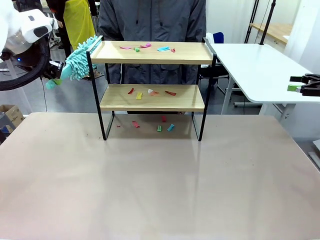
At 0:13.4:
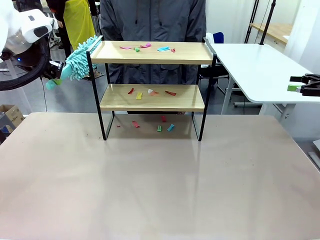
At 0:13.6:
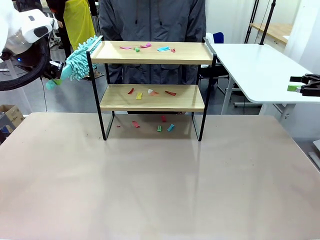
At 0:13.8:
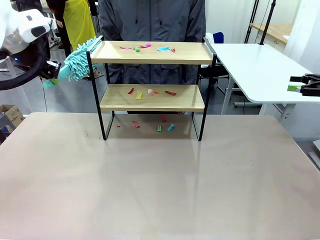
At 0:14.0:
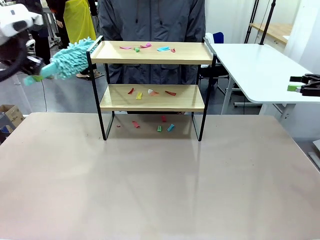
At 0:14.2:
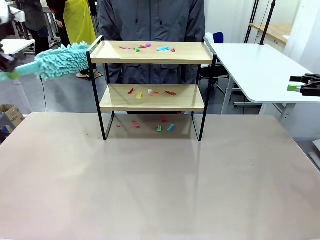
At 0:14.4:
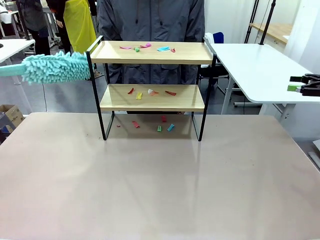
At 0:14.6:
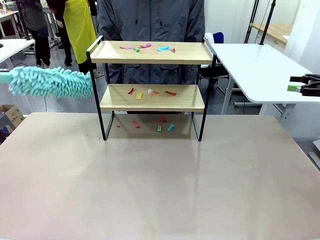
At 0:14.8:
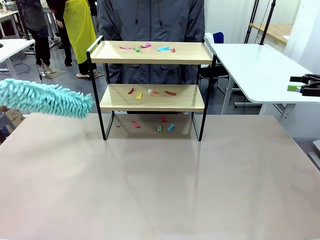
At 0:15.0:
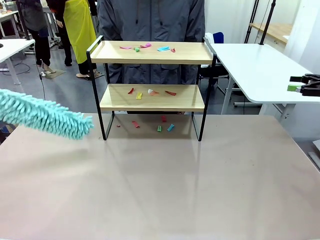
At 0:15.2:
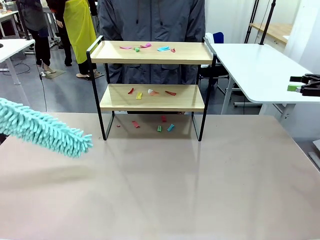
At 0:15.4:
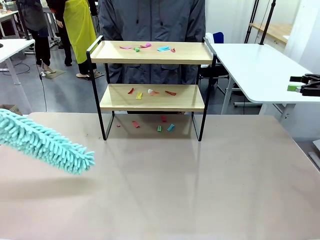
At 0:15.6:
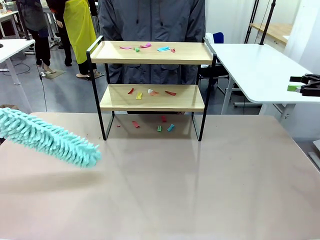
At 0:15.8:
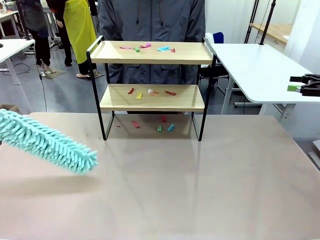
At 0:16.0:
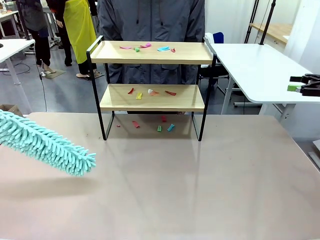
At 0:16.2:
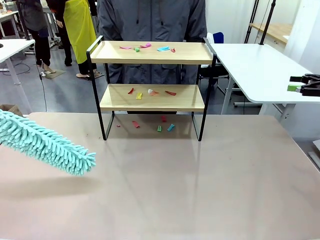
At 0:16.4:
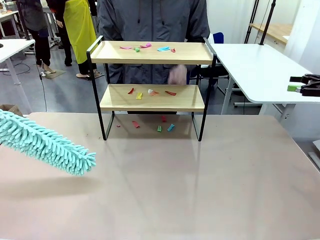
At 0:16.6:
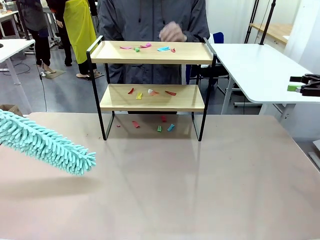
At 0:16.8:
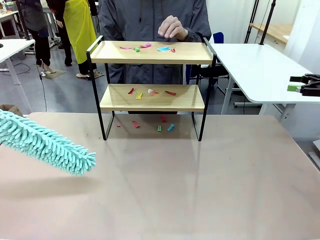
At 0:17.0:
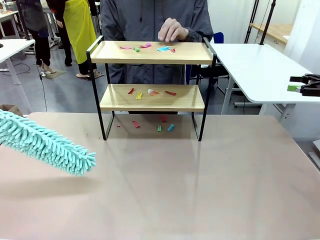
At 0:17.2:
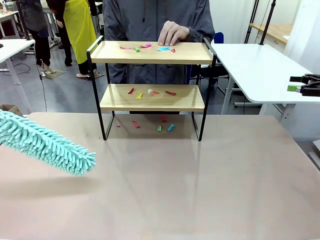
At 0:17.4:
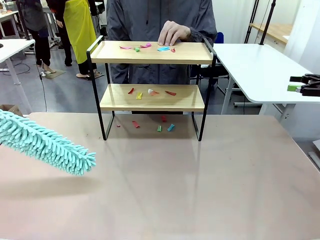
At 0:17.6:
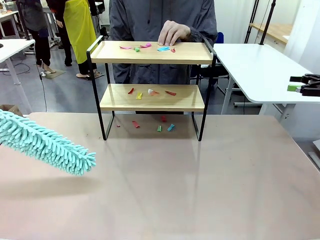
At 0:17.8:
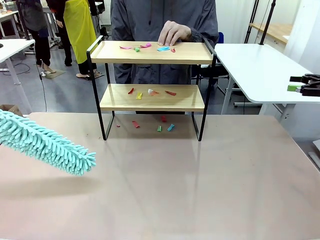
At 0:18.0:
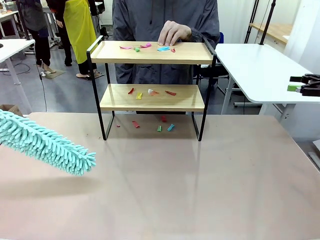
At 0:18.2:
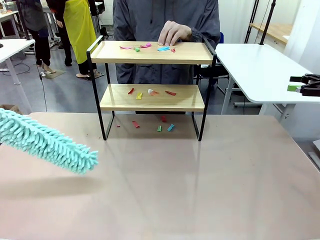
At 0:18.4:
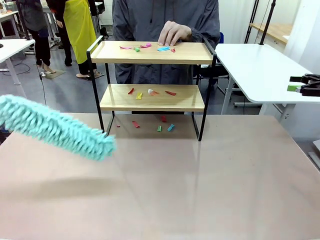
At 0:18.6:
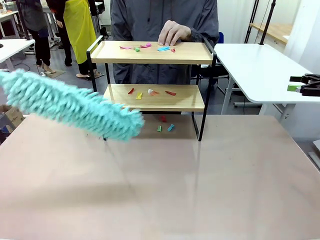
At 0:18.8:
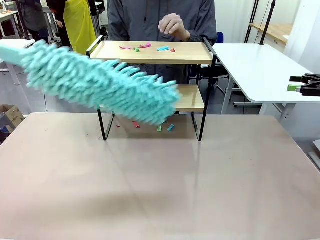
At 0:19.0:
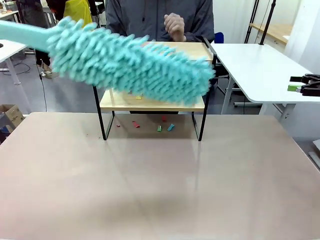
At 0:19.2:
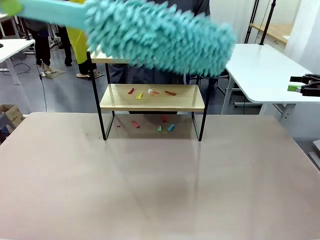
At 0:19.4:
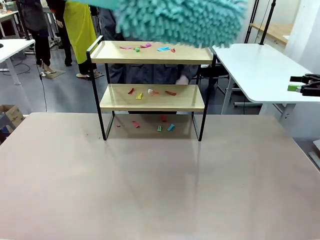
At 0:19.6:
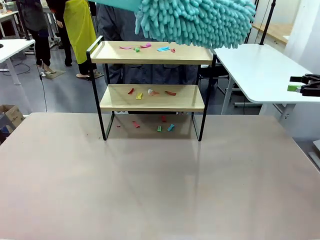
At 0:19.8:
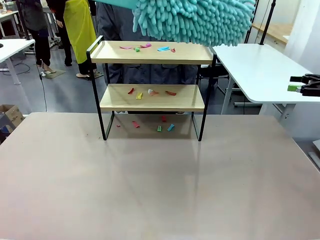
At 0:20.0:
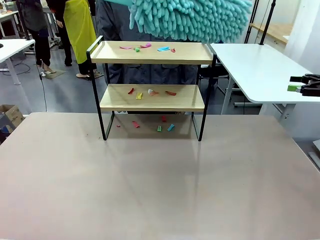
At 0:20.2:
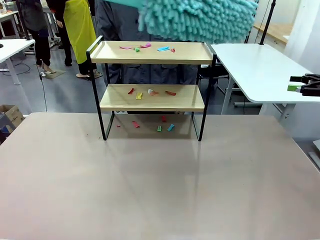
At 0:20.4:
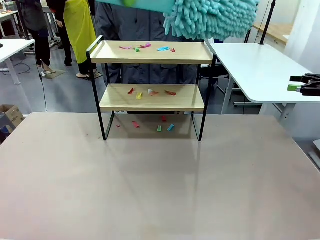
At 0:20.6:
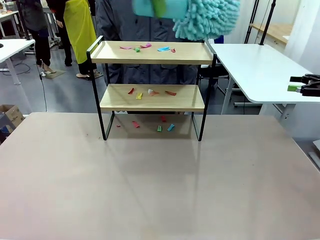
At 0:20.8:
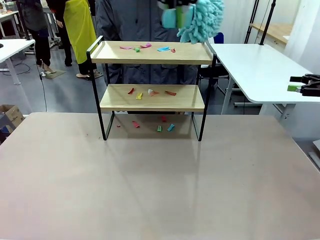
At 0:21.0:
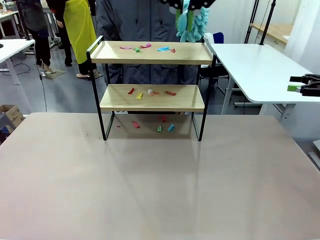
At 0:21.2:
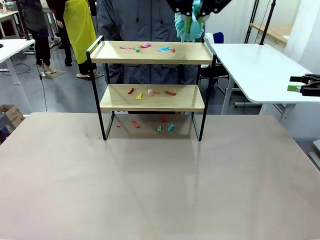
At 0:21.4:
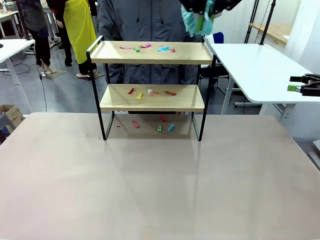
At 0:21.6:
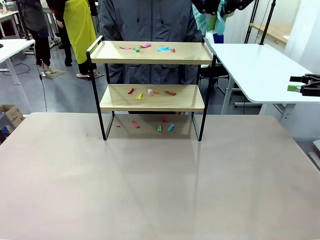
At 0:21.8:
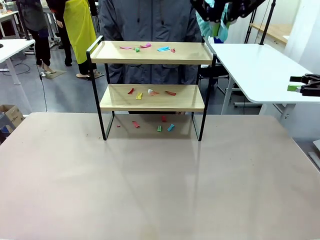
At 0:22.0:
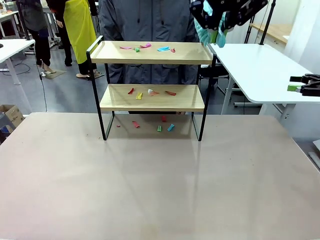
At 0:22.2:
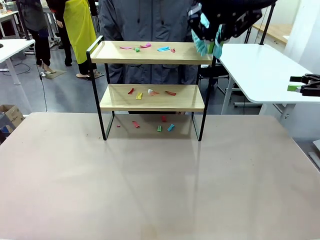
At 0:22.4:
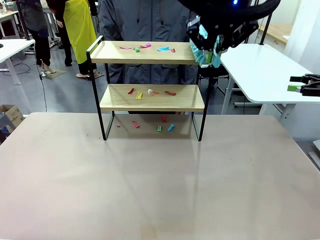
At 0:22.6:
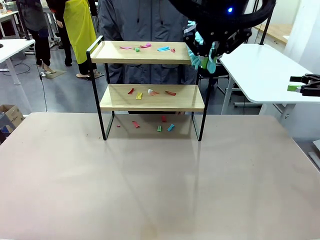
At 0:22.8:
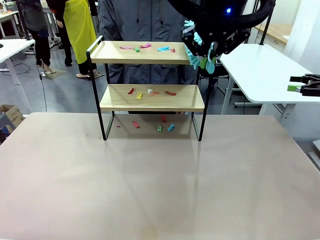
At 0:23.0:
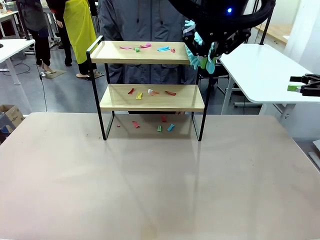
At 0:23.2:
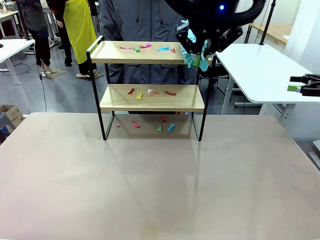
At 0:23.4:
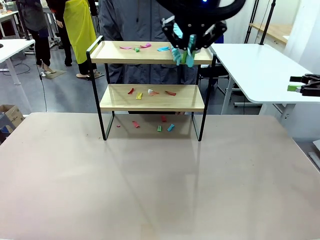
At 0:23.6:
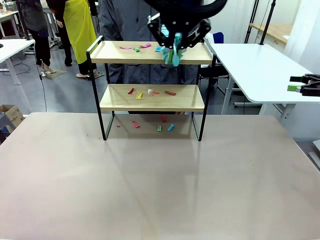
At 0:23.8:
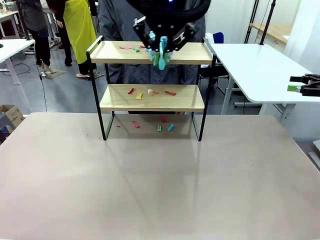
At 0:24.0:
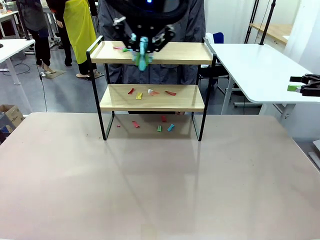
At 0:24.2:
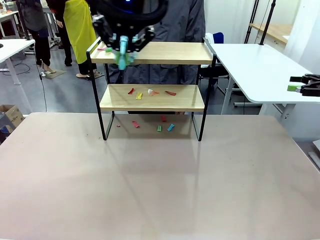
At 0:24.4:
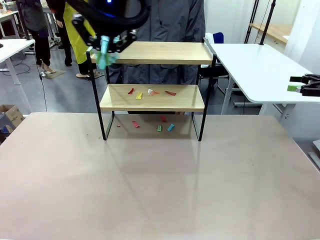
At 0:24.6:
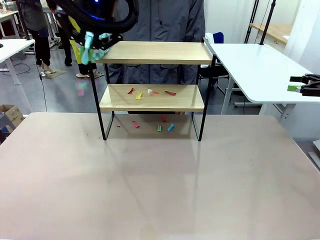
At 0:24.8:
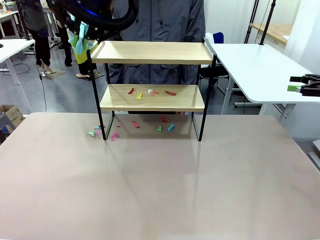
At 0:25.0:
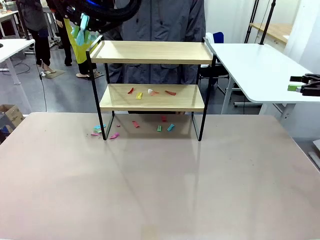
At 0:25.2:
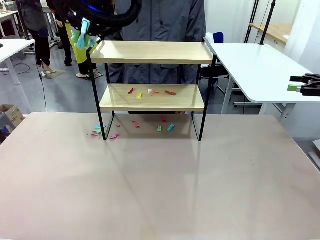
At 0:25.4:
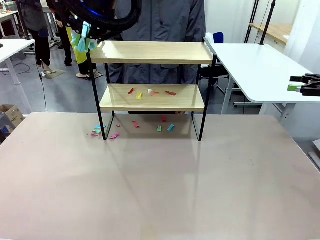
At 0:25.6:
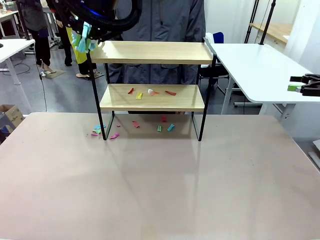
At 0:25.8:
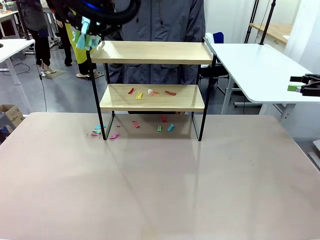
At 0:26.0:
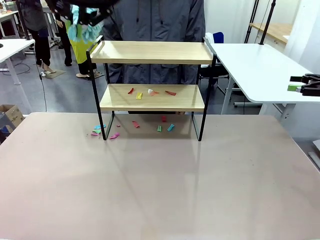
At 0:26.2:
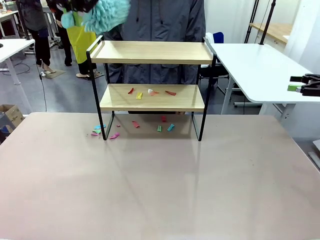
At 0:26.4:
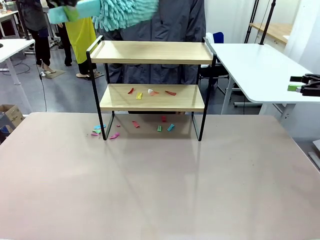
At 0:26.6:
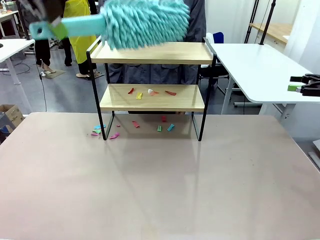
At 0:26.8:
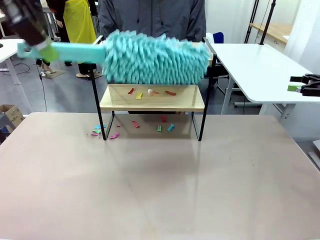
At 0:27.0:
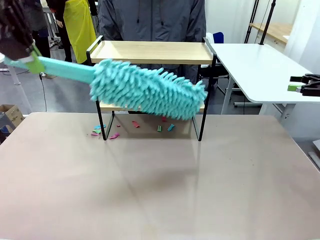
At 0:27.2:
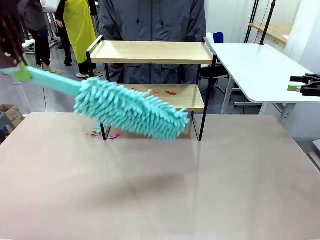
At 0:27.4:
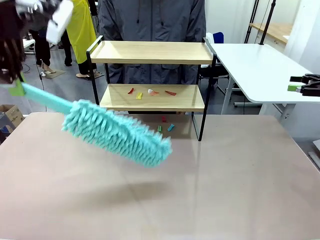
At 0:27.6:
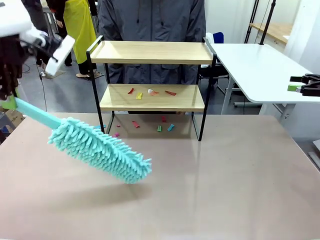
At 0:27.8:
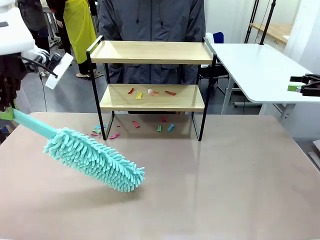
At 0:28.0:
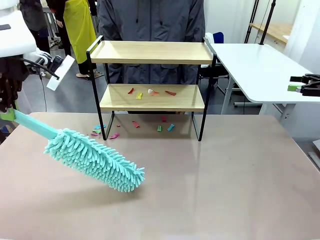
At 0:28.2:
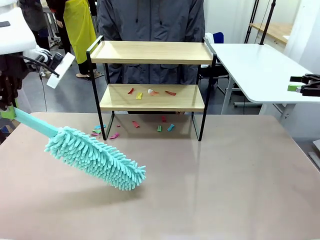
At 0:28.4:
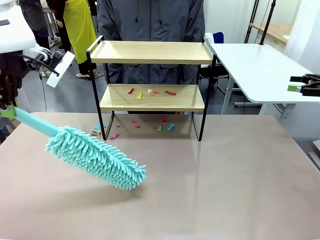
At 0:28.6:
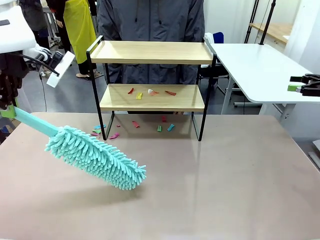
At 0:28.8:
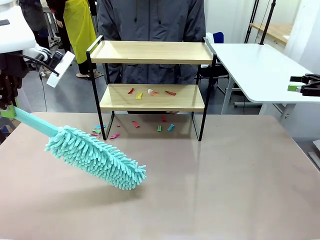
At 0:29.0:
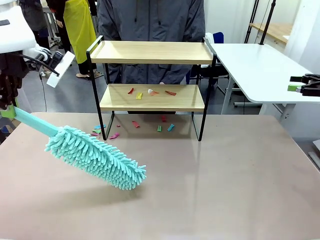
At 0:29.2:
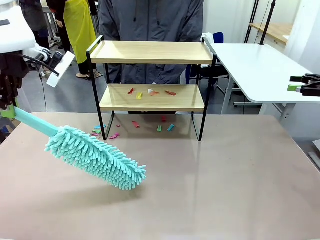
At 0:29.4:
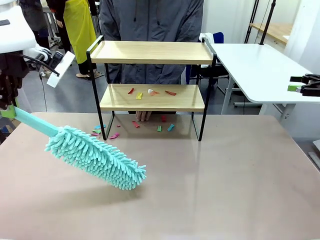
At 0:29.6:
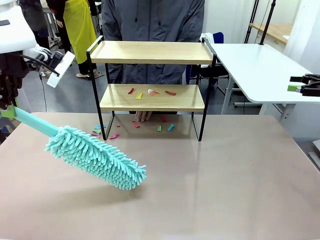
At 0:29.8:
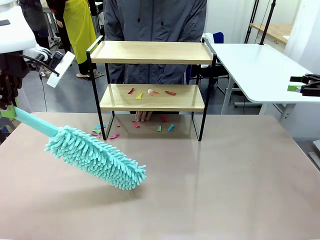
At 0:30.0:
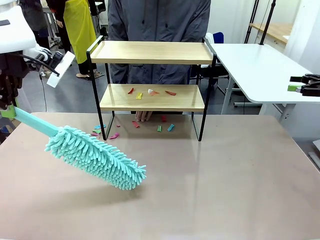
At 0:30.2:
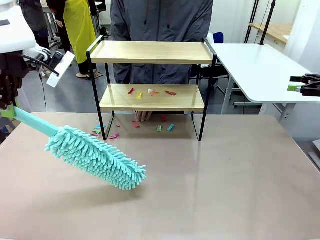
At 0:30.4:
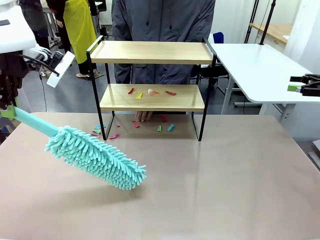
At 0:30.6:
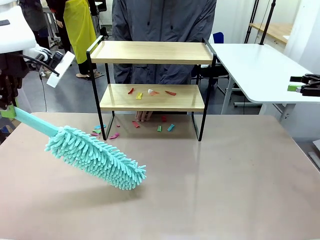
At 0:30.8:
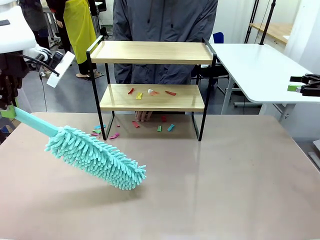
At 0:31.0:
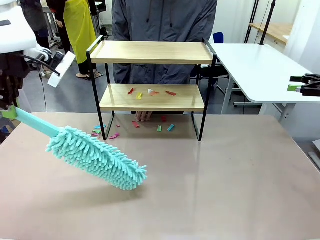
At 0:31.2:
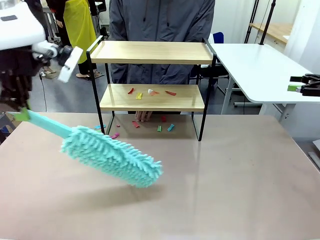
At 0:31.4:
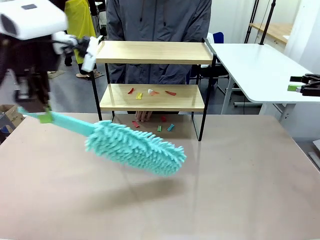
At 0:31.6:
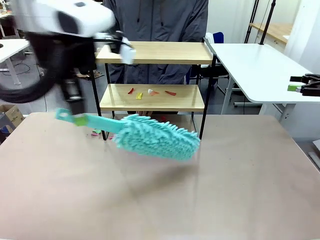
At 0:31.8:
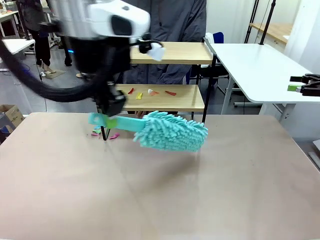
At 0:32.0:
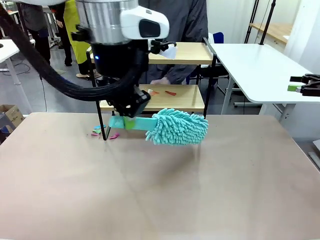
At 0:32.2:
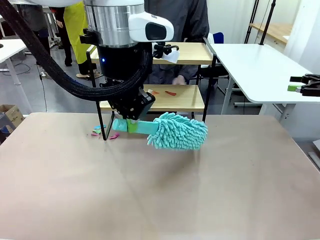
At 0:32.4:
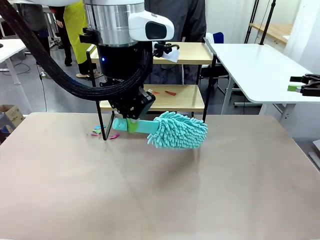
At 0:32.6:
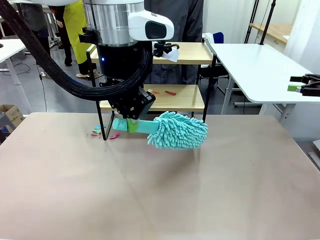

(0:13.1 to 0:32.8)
Task: Clean the shelf.
Robot: Clean the specific section of the Shelf indicated by the human with the Duster.
Person: Point a random section of the Shelf.
